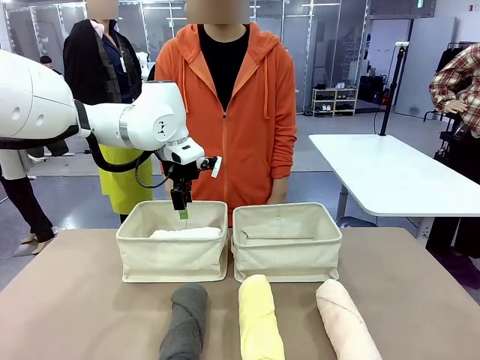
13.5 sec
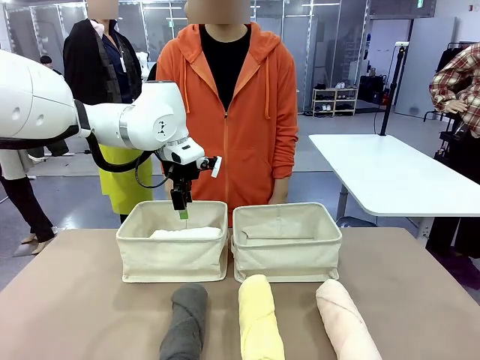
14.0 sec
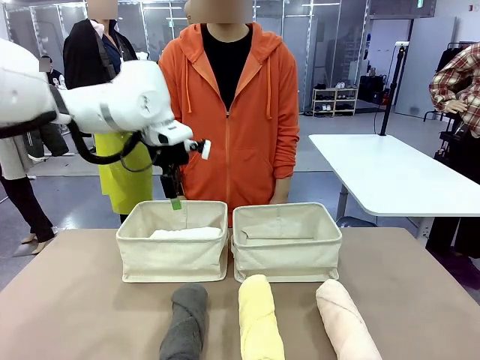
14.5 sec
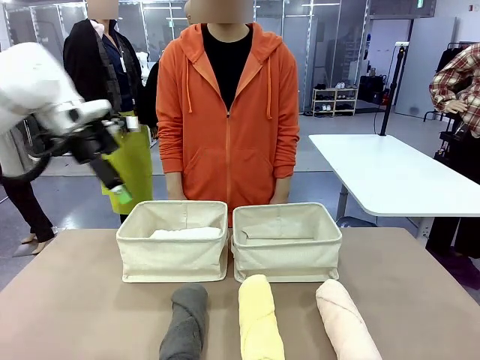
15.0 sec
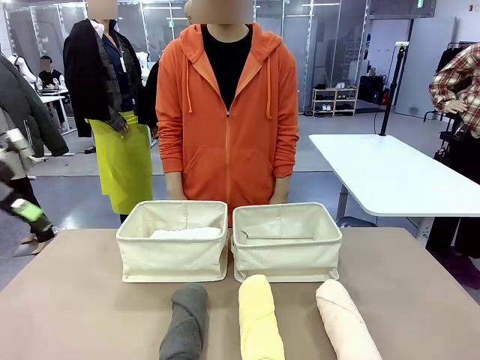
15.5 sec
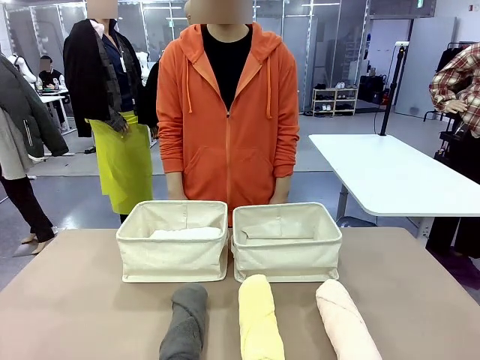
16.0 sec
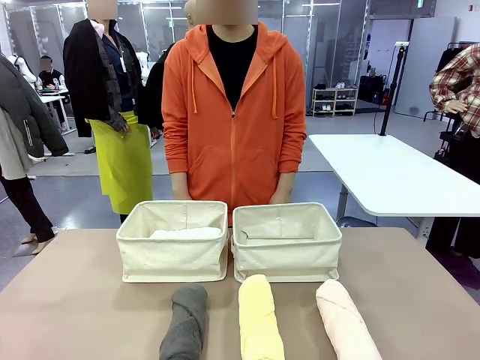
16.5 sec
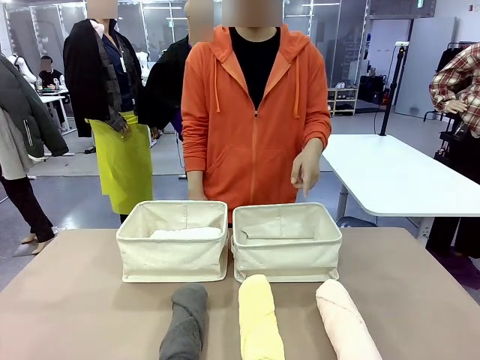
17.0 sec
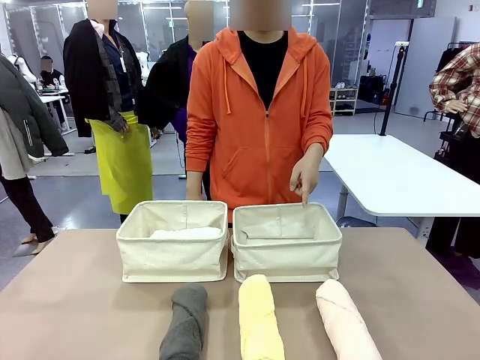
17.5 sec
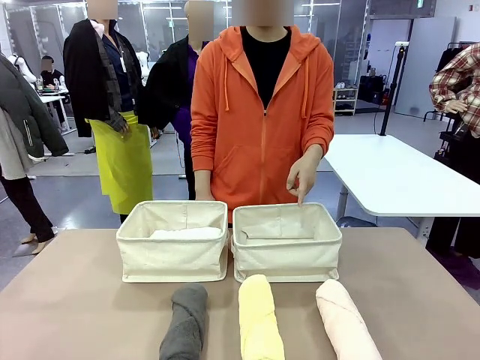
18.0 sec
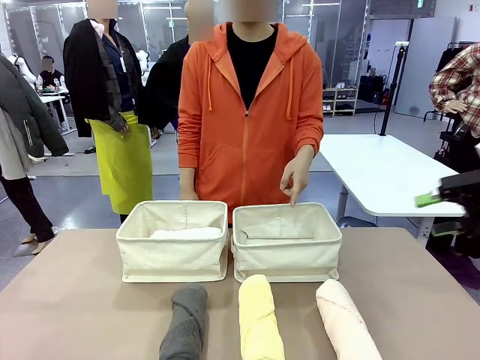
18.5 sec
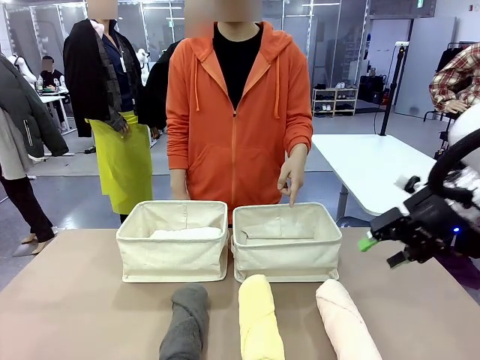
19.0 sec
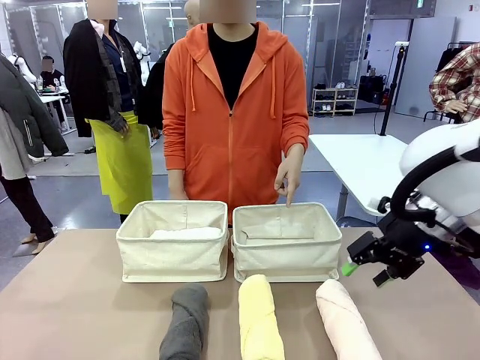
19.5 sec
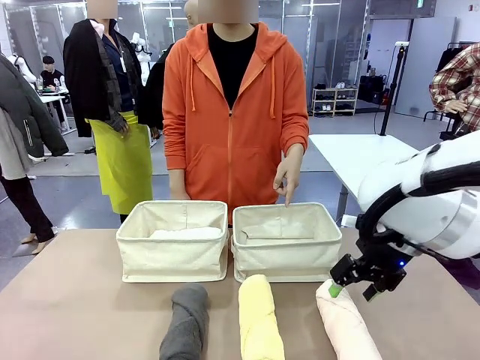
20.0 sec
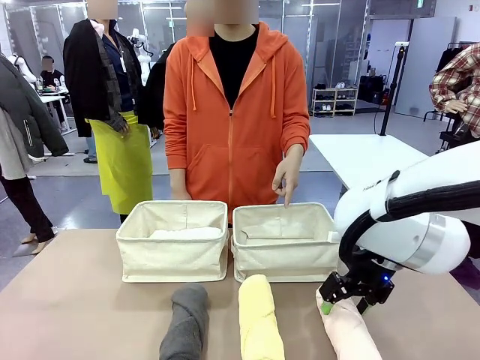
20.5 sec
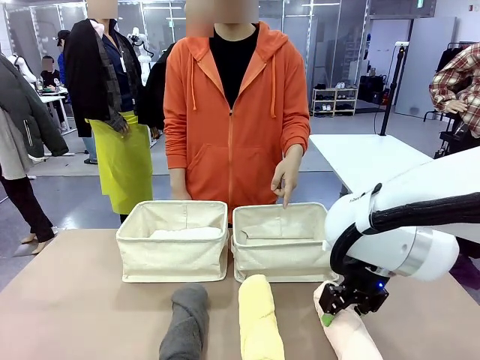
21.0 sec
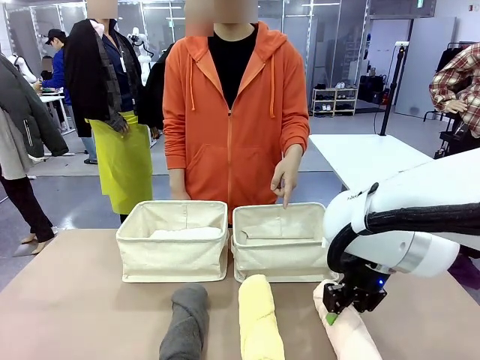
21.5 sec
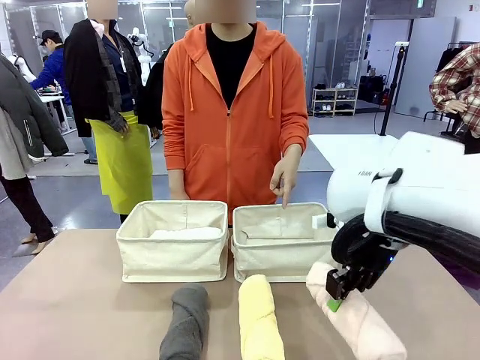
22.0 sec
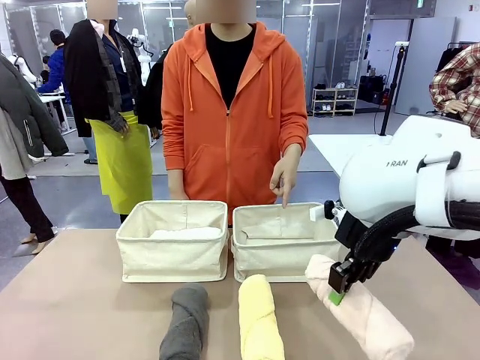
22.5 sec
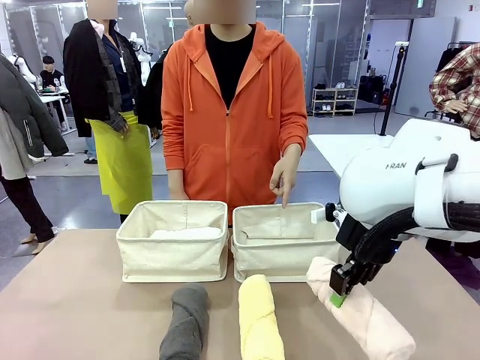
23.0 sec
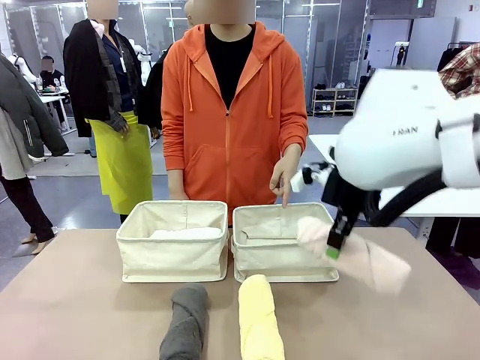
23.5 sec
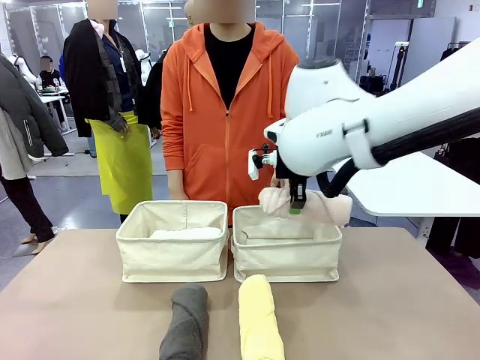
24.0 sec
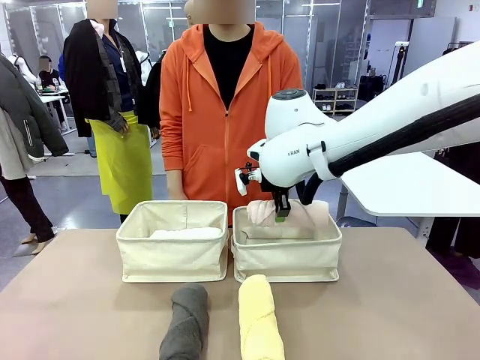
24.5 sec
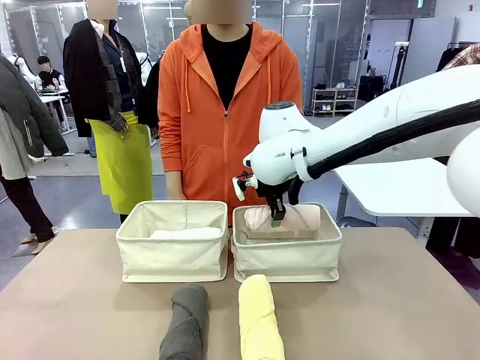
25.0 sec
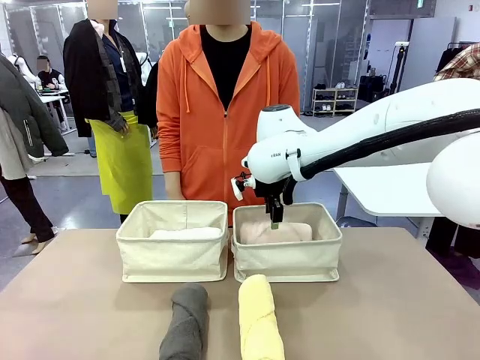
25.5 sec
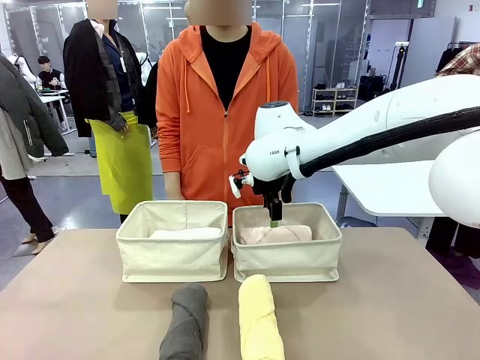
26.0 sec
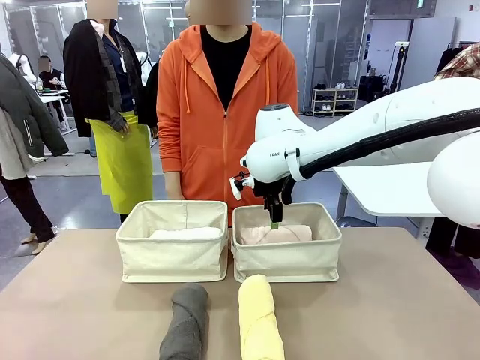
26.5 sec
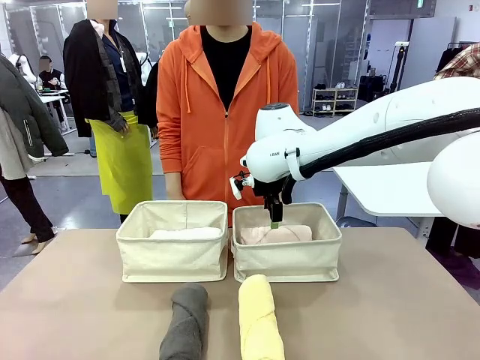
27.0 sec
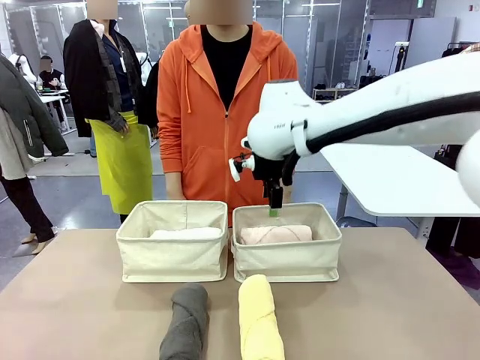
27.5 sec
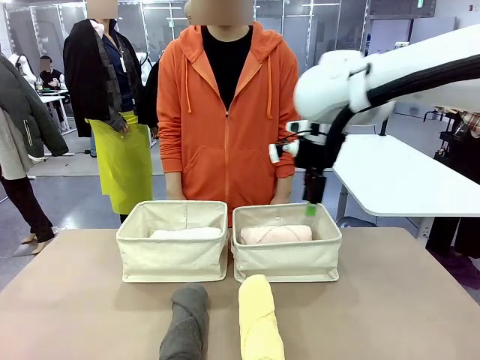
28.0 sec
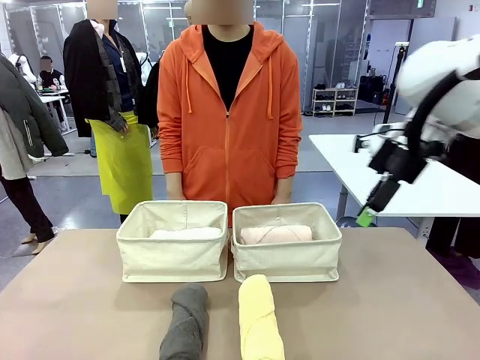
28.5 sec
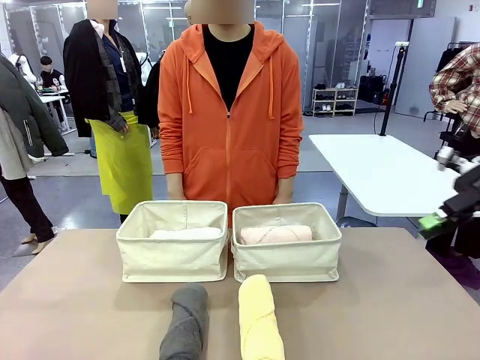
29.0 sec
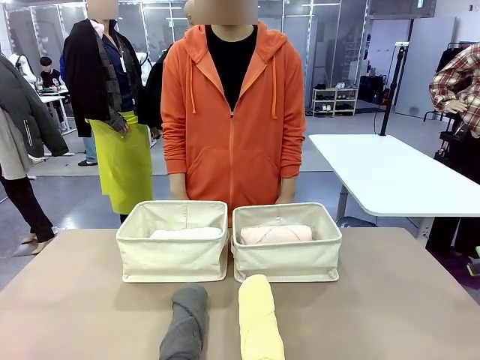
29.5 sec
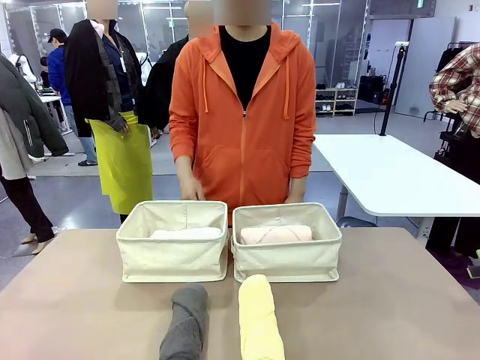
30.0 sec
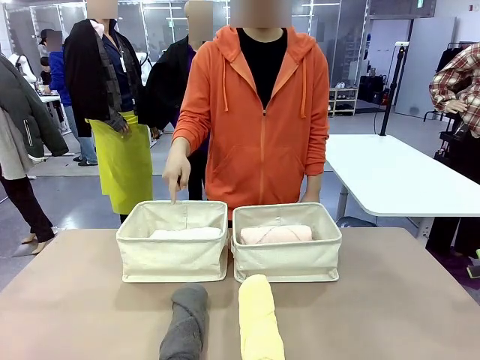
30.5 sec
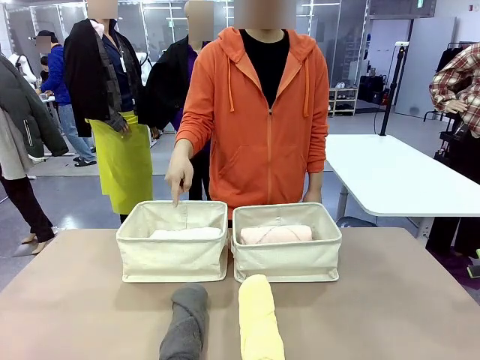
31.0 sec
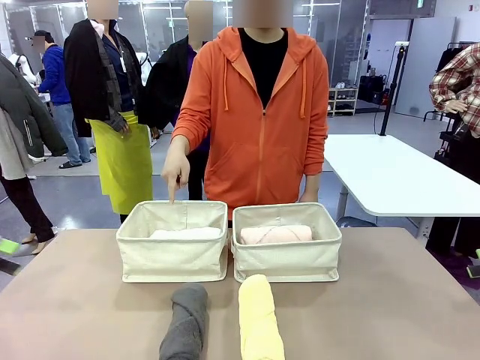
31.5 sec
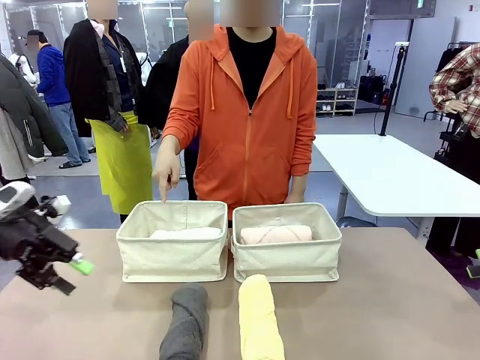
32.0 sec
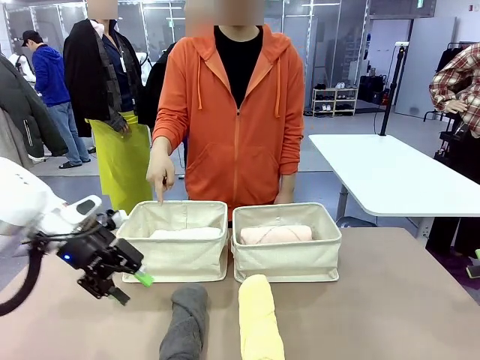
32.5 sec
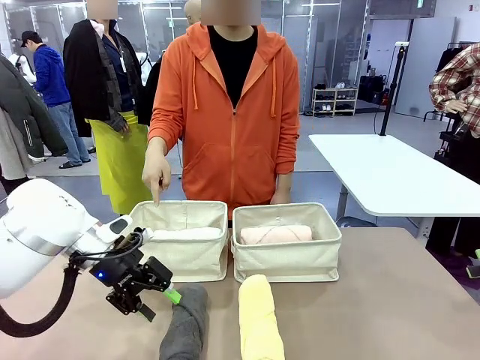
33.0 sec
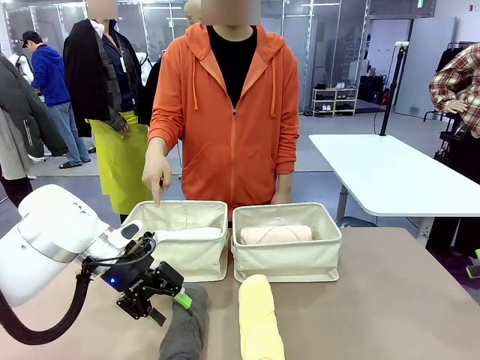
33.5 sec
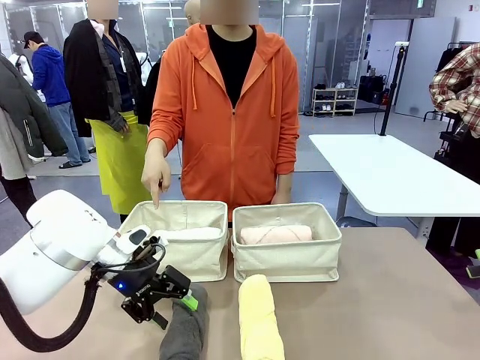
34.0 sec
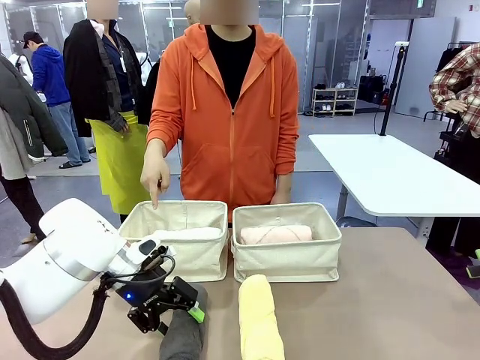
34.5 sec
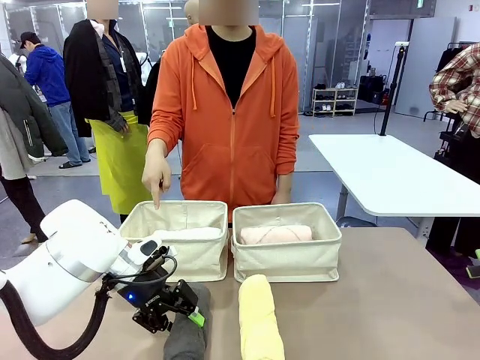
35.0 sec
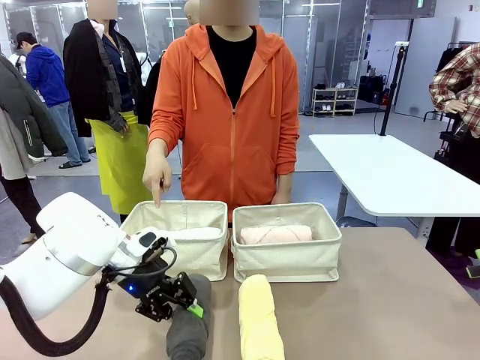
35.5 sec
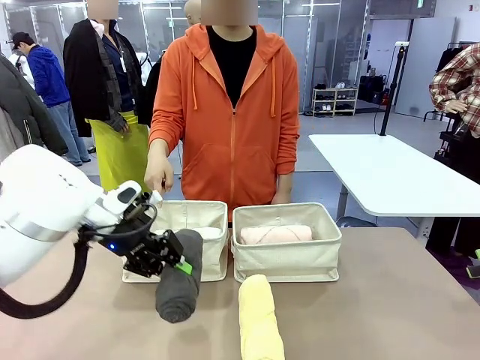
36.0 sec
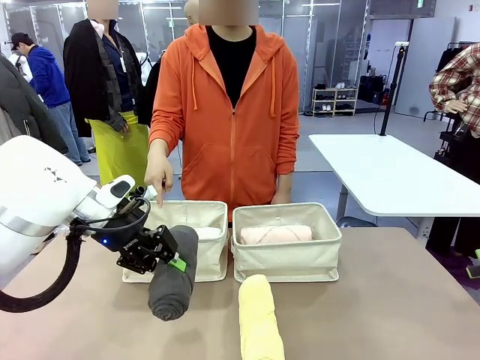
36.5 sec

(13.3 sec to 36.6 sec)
Task: Divide the towels into two baskets.
Robot: Pick up one hotel-folded towel from the bottom of the table and place it in the Fabric basket indicated by the person.
